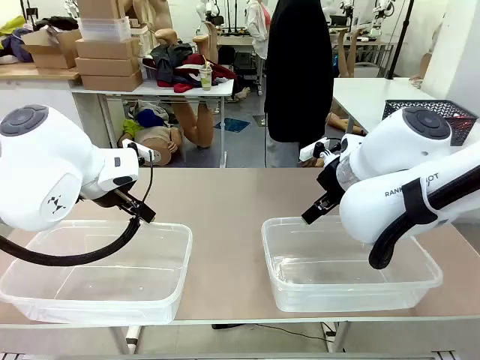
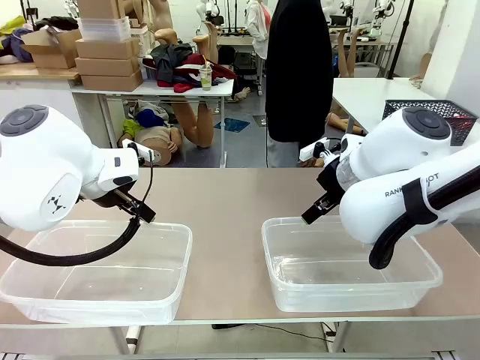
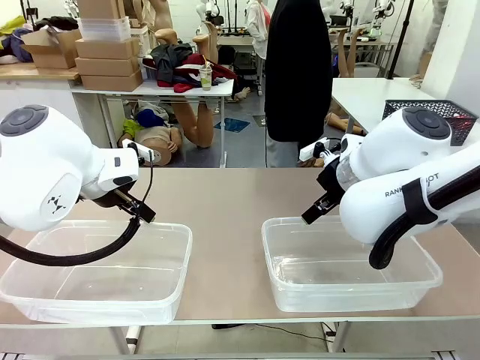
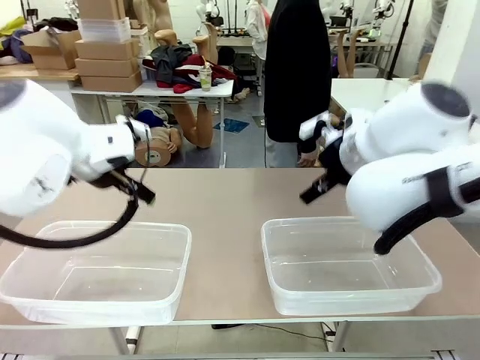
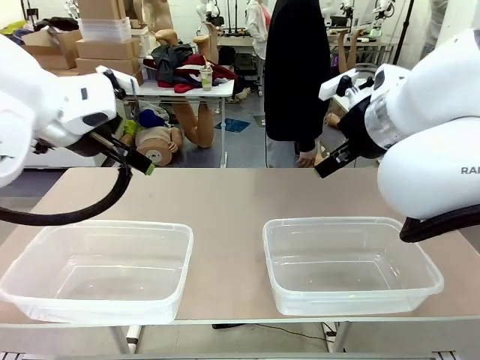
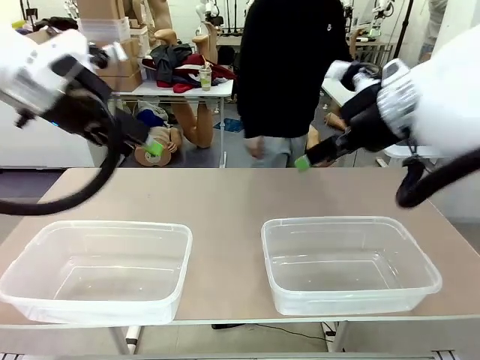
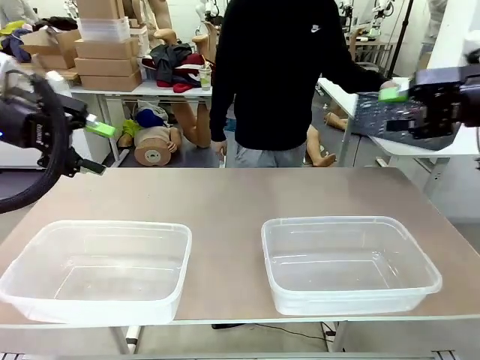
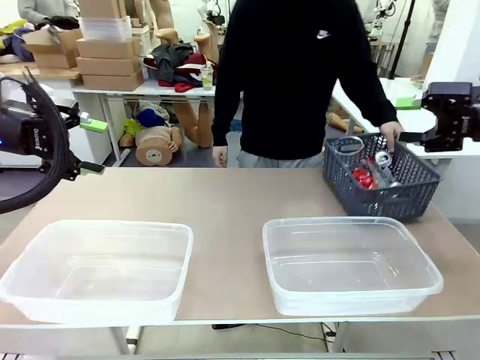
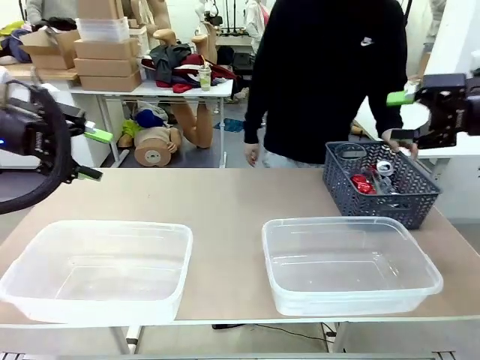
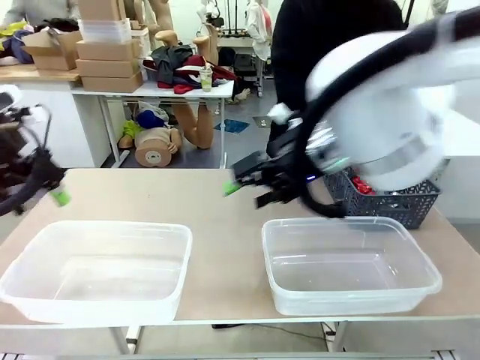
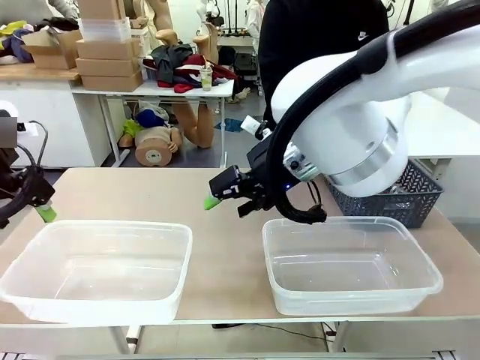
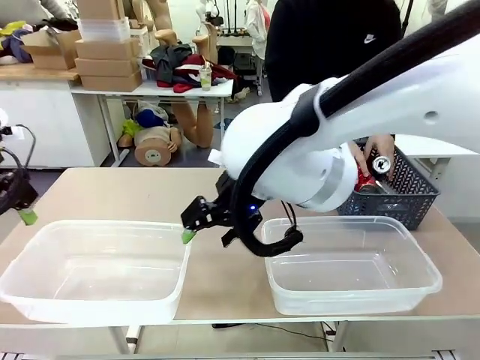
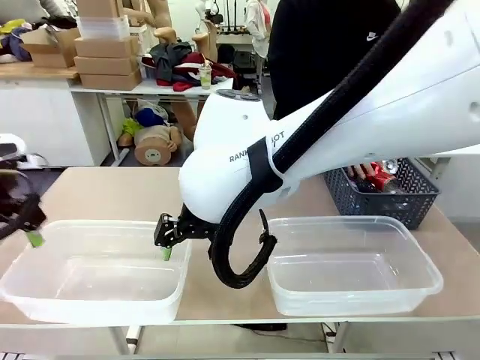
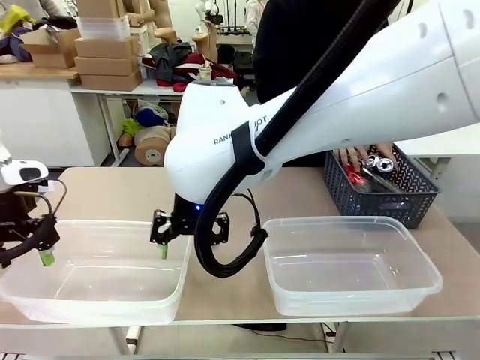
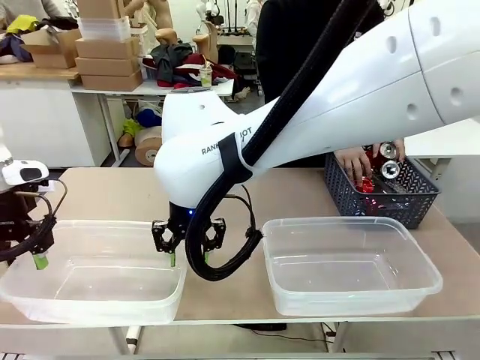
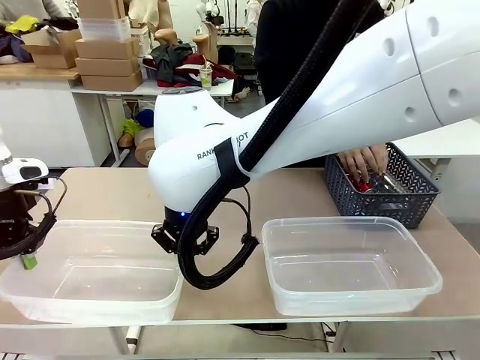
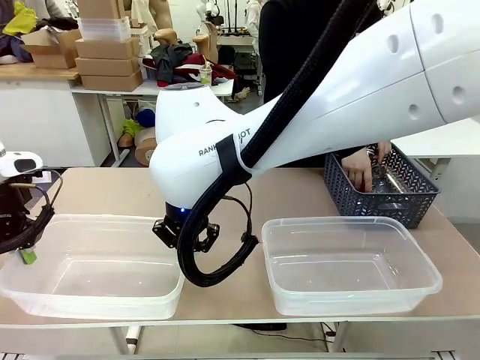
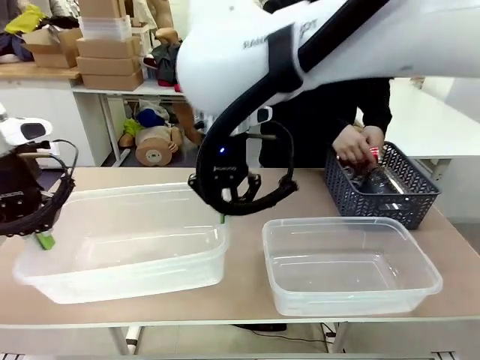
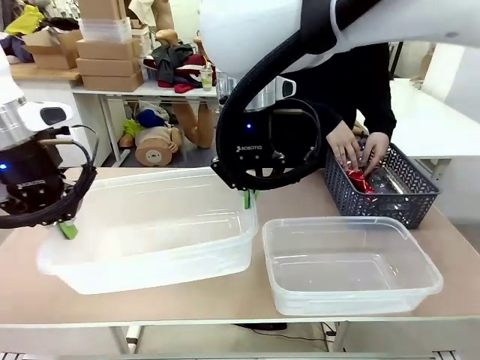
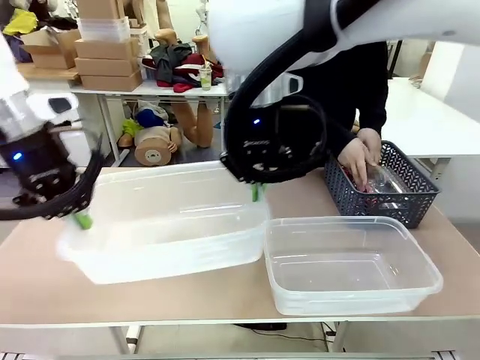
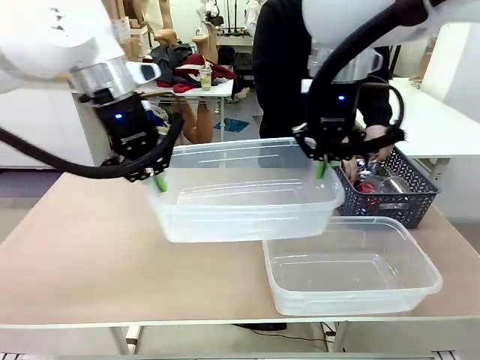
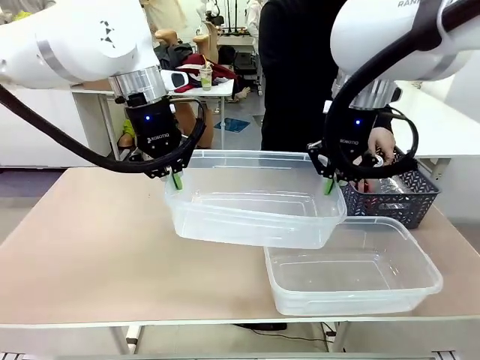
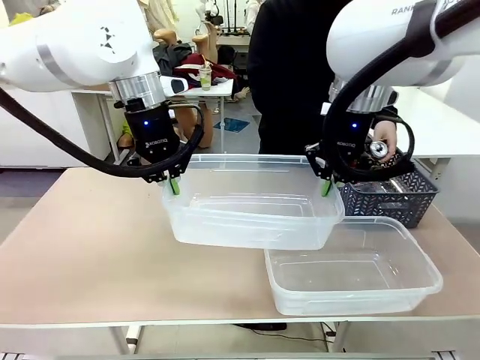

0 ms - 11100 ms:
Robot: Pick up the Organizing box on the left side of the table and lift it.
Person: Pick up the storage basket and place it on the left side of the robot table. Pick up can-shaped waste one by one and place it into the organizing box lifted by the robot.

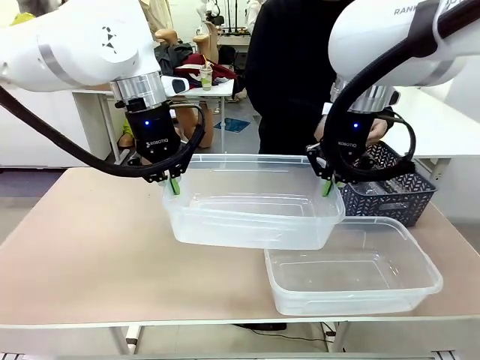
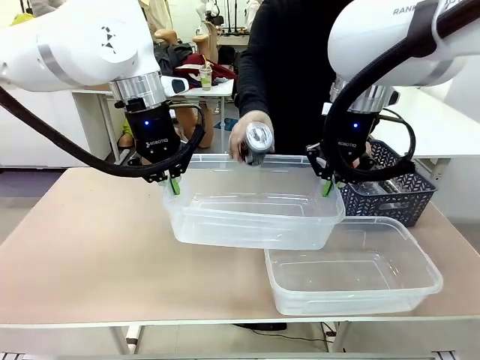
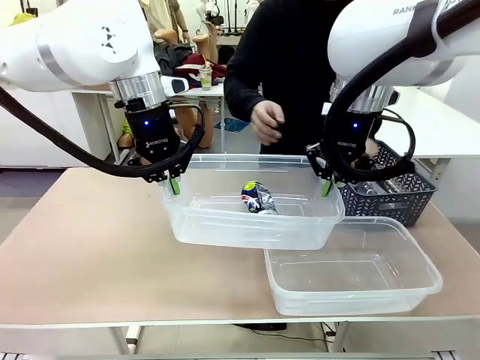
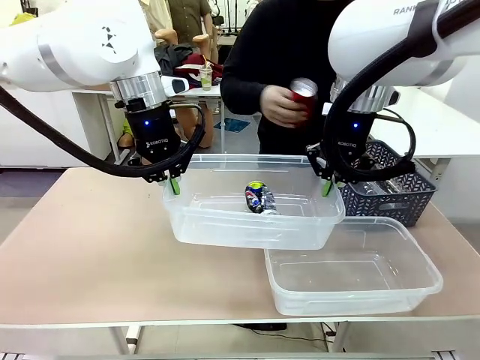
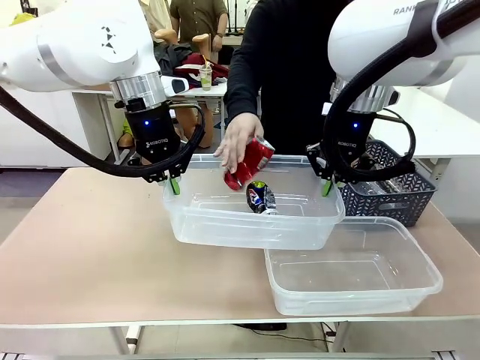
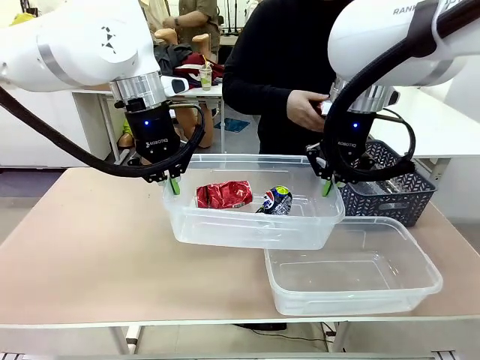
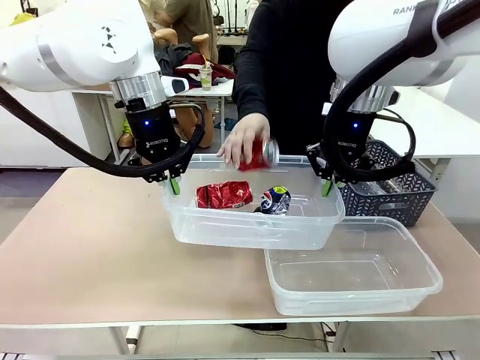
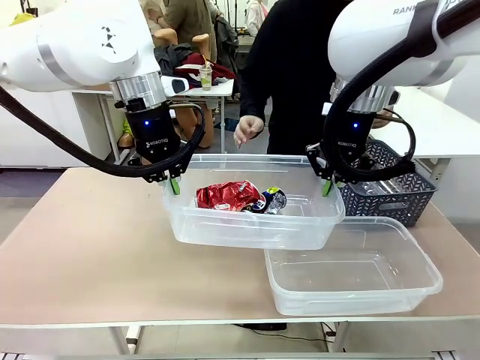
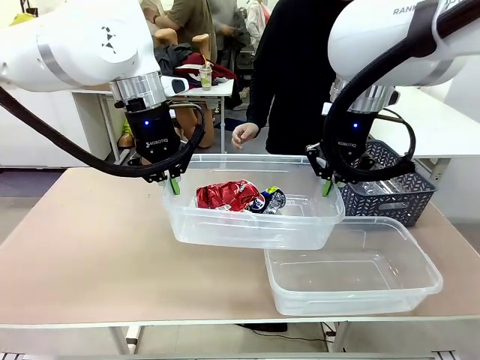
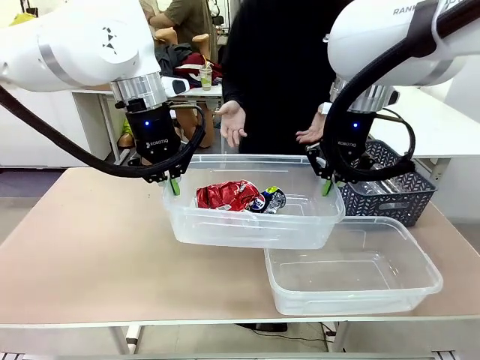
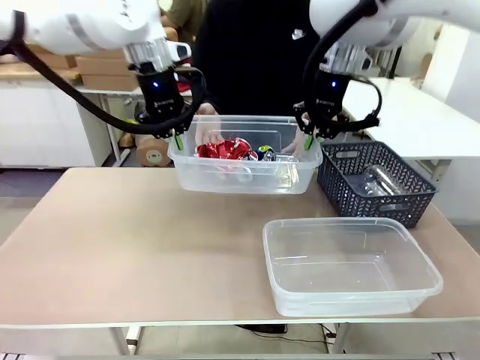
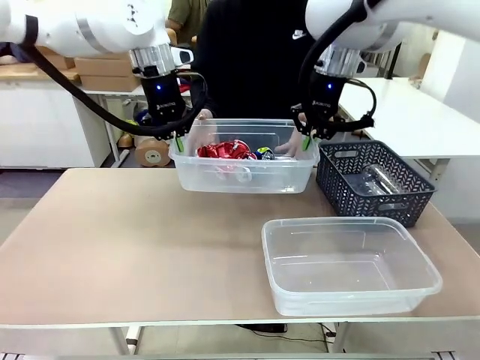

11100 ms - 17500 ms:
Robot: Offer the picked Organizing box to the human.

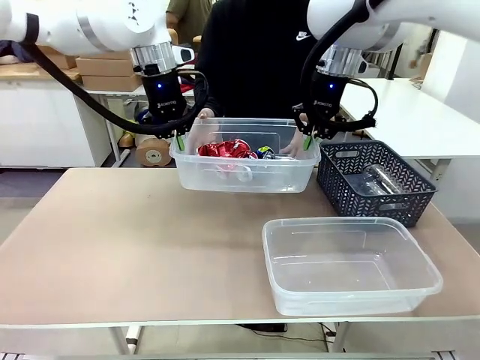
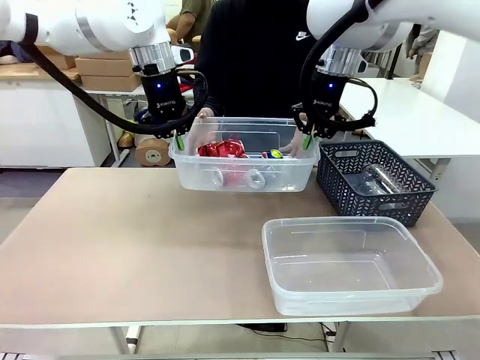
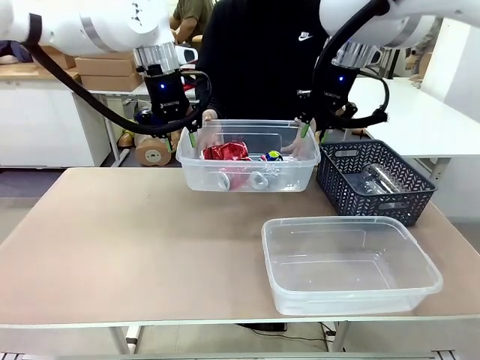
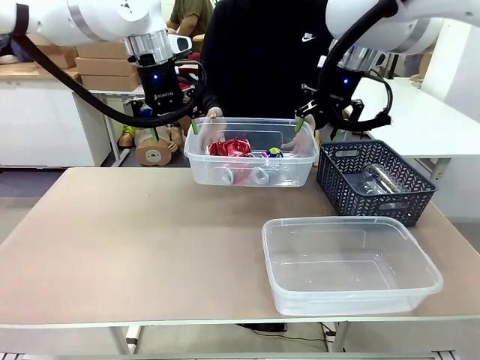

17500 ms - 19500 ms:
Robot: Release the Organizing box you were holding.

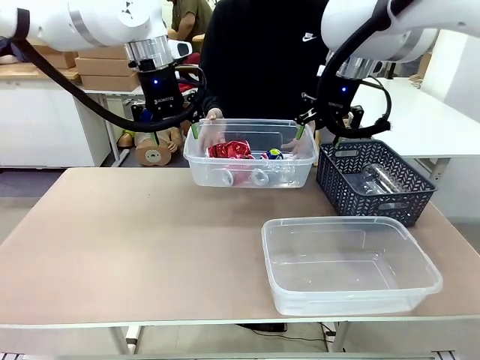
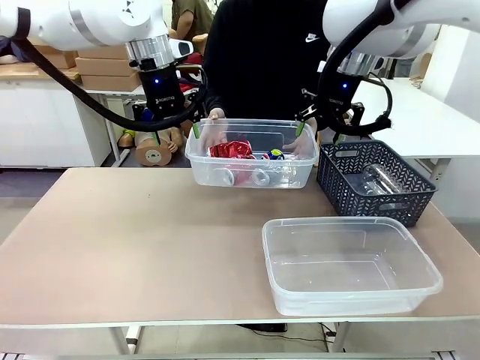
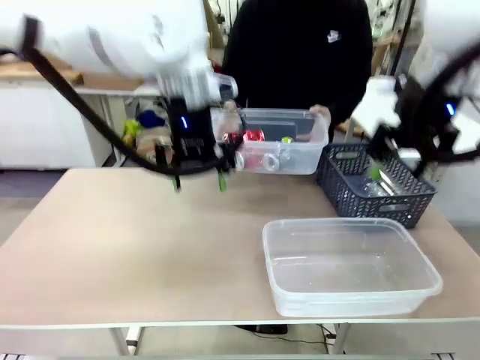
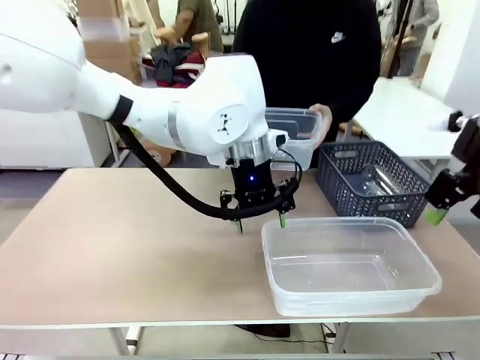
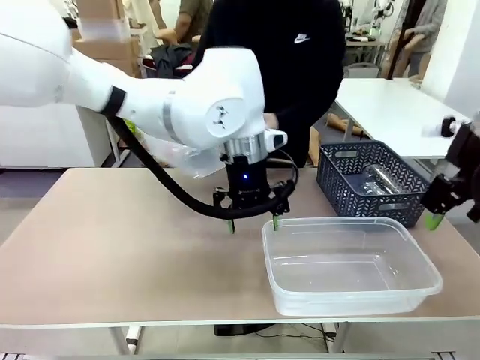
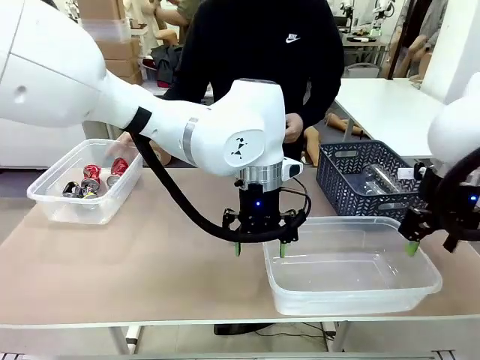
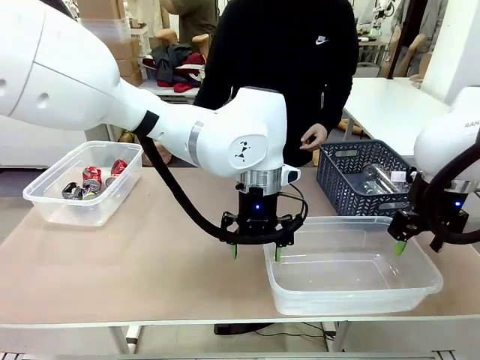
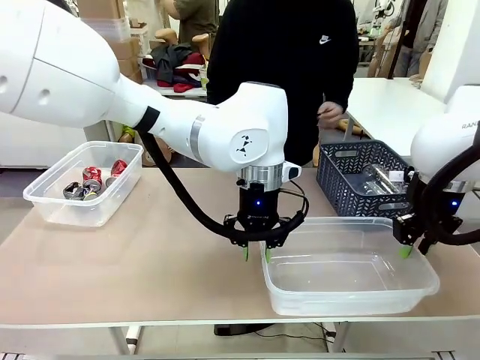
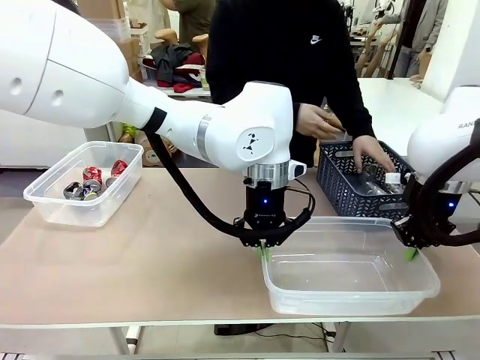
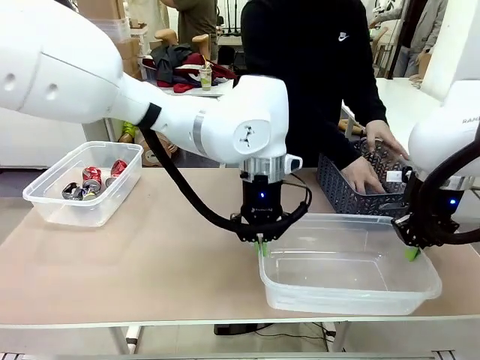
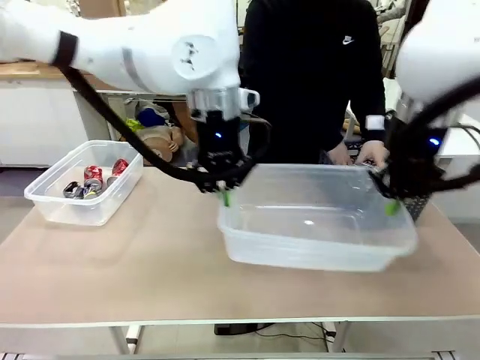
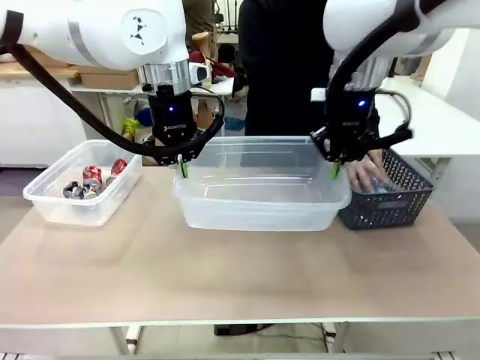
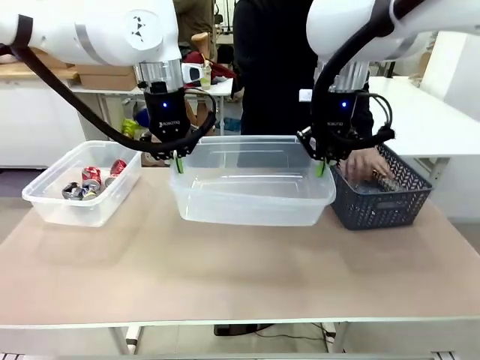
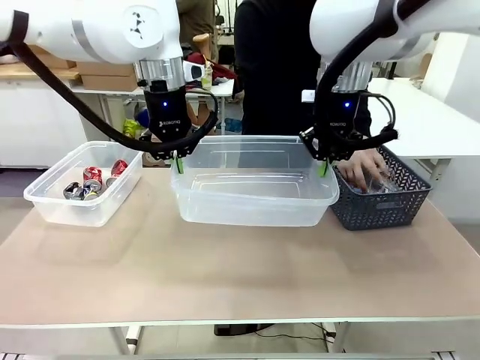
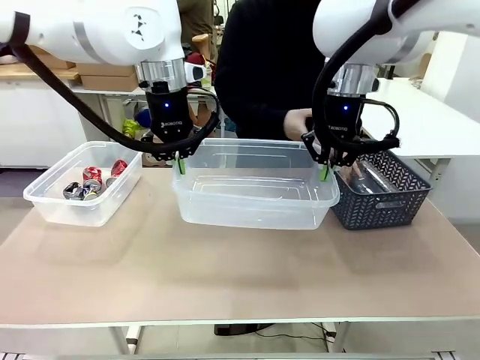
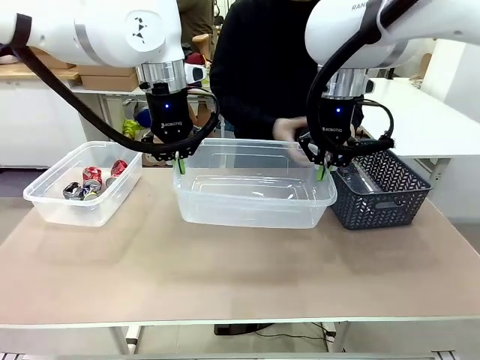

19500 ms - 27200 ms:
Robot: Pick up the Organizing box on the right side of the table and lift it.
Person: Place it at the edge of the bottom right area of the robot table. Pick up plastic waste one by one and place it into the organizing box lifted by the robot.
